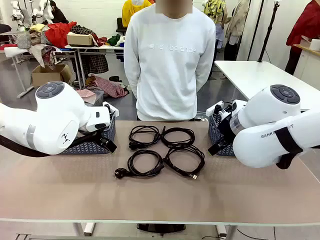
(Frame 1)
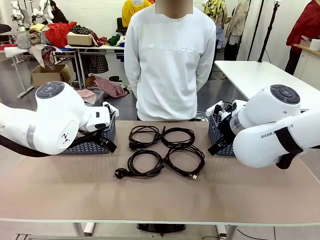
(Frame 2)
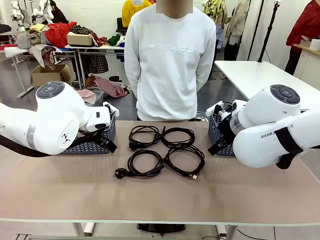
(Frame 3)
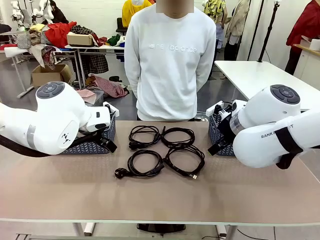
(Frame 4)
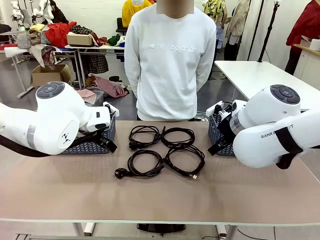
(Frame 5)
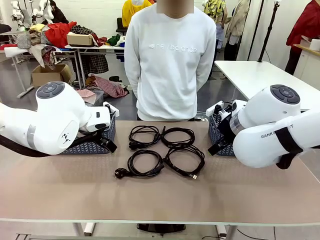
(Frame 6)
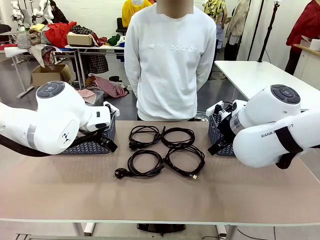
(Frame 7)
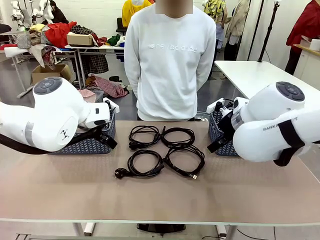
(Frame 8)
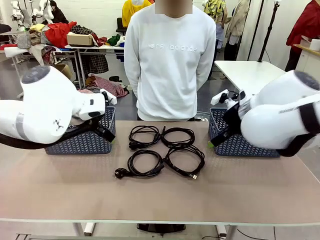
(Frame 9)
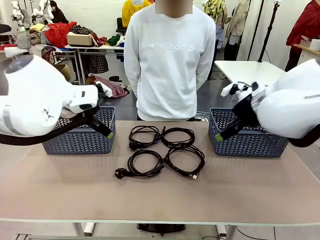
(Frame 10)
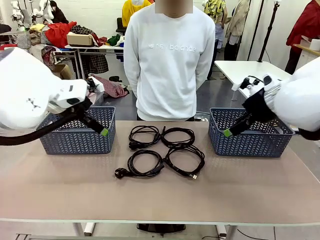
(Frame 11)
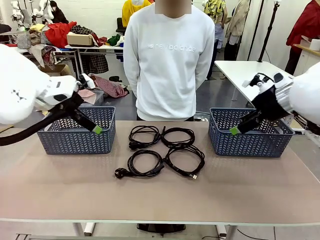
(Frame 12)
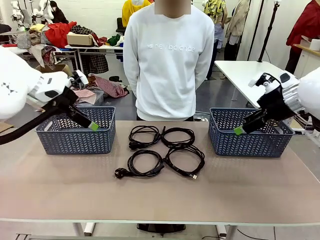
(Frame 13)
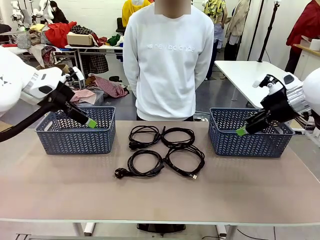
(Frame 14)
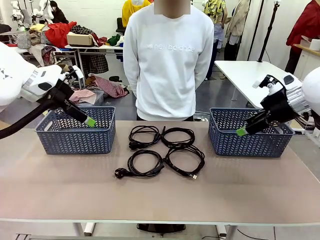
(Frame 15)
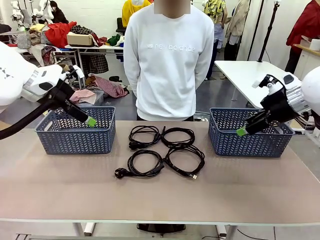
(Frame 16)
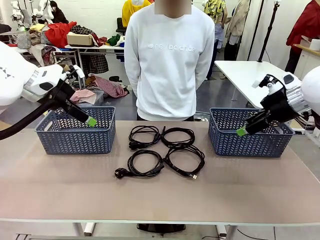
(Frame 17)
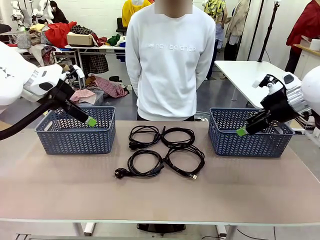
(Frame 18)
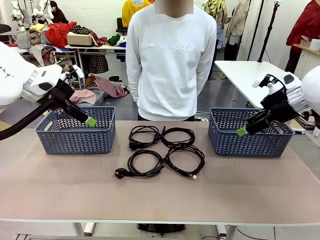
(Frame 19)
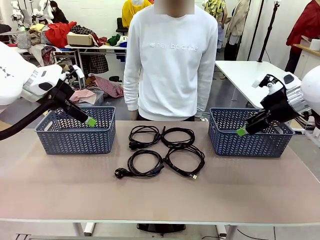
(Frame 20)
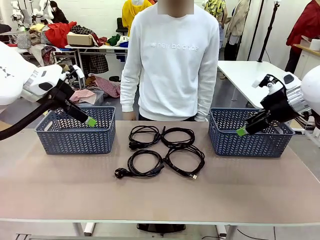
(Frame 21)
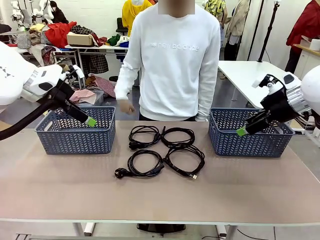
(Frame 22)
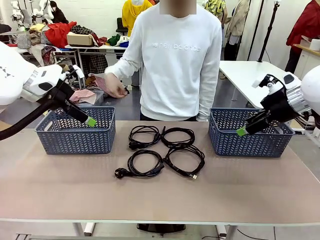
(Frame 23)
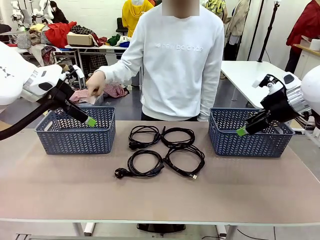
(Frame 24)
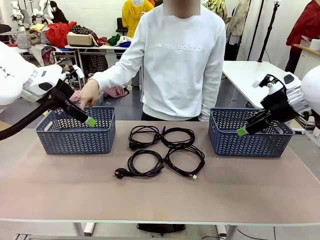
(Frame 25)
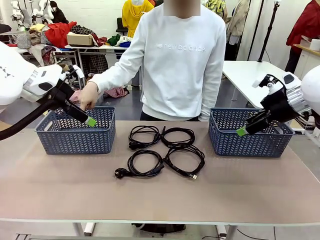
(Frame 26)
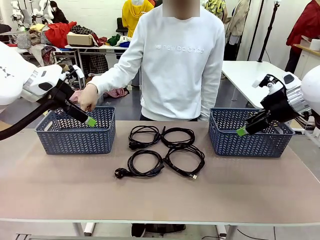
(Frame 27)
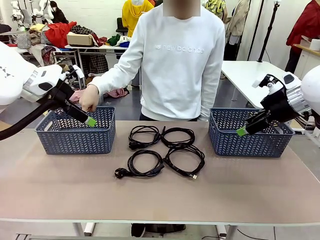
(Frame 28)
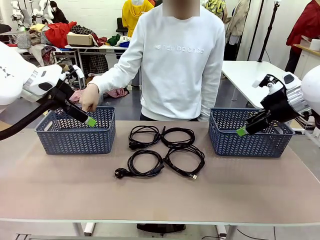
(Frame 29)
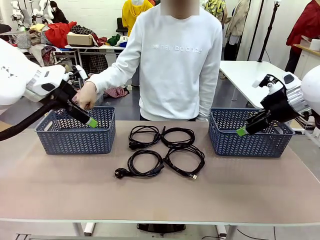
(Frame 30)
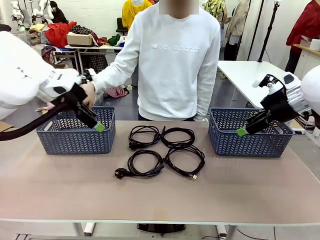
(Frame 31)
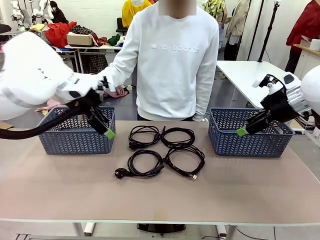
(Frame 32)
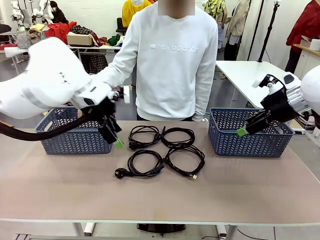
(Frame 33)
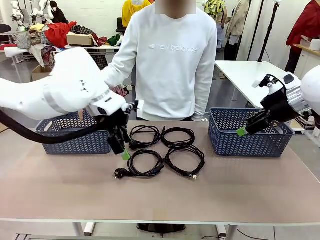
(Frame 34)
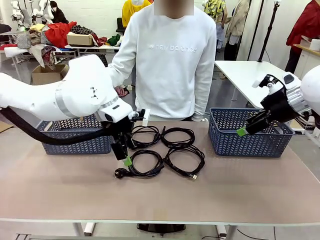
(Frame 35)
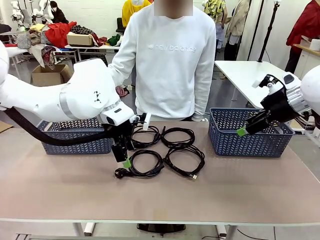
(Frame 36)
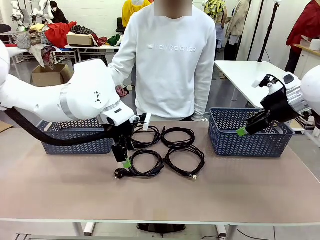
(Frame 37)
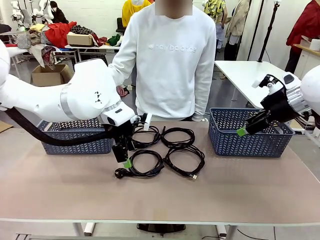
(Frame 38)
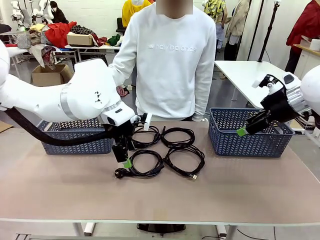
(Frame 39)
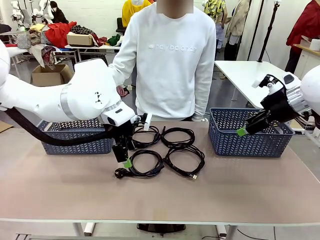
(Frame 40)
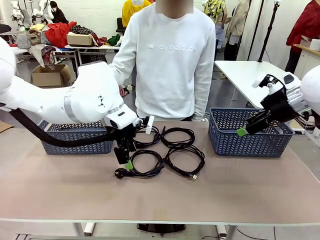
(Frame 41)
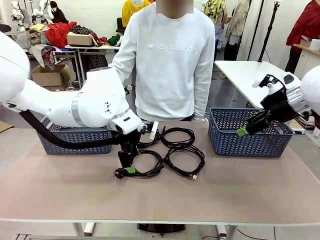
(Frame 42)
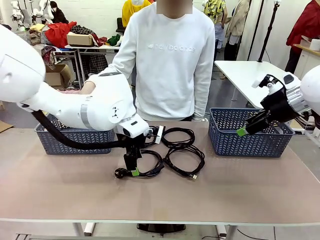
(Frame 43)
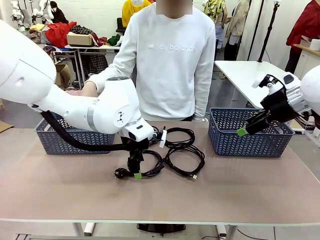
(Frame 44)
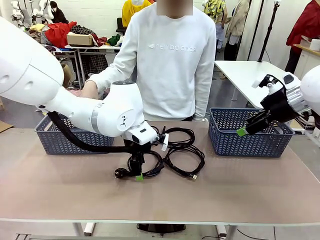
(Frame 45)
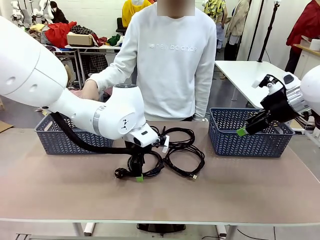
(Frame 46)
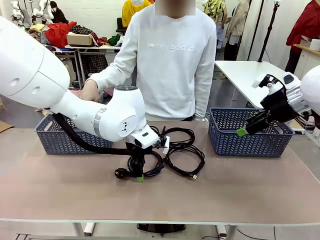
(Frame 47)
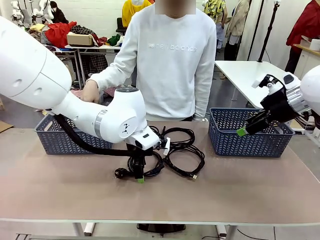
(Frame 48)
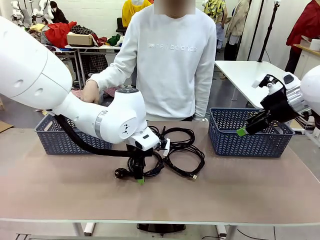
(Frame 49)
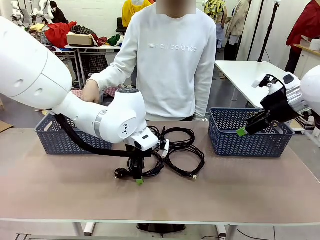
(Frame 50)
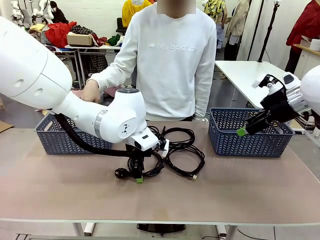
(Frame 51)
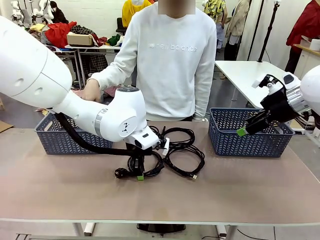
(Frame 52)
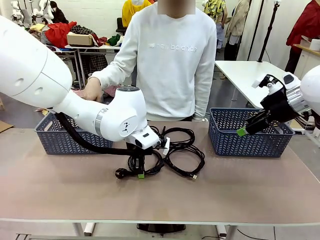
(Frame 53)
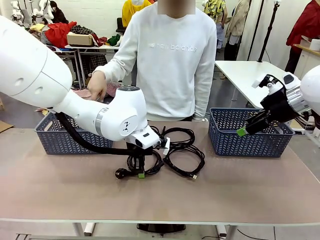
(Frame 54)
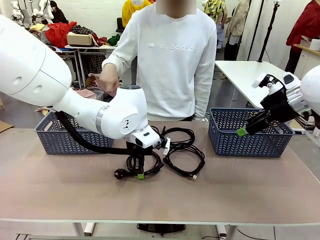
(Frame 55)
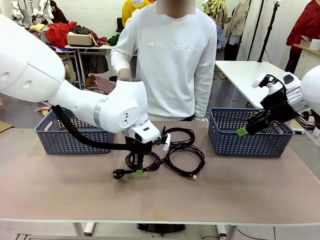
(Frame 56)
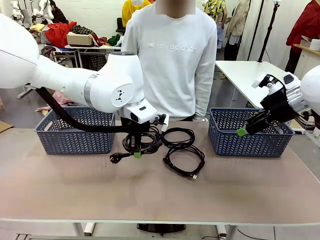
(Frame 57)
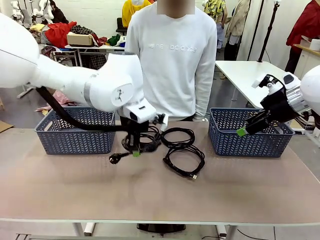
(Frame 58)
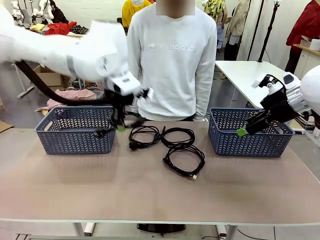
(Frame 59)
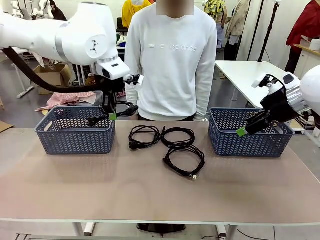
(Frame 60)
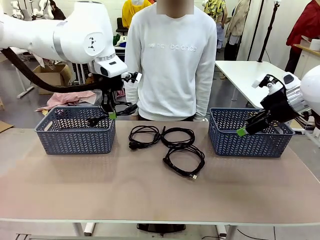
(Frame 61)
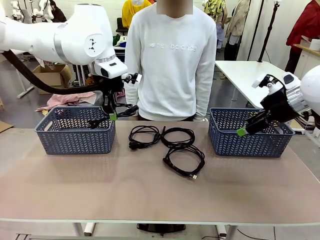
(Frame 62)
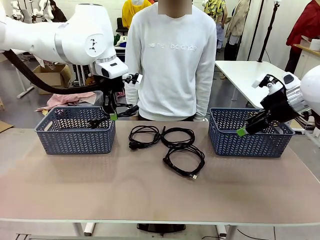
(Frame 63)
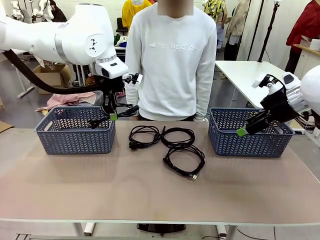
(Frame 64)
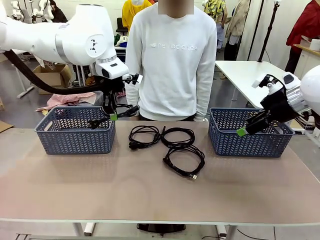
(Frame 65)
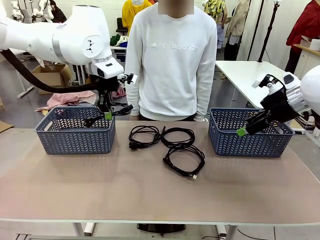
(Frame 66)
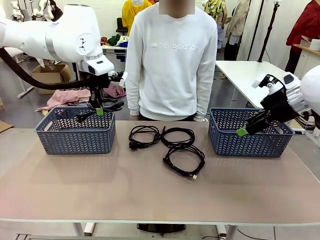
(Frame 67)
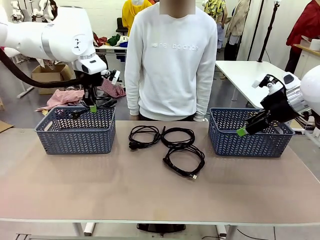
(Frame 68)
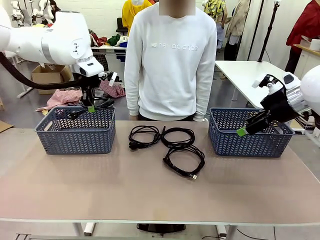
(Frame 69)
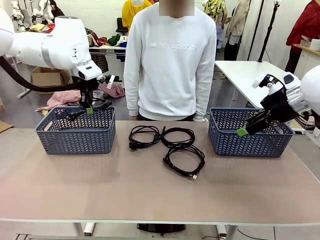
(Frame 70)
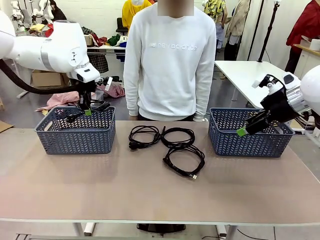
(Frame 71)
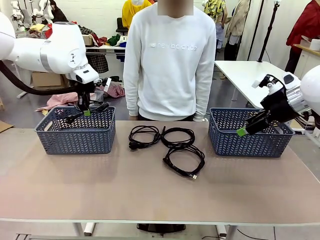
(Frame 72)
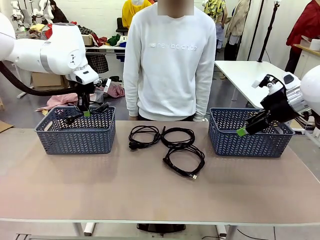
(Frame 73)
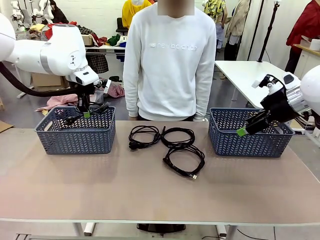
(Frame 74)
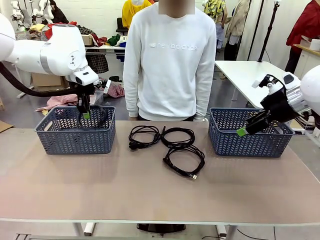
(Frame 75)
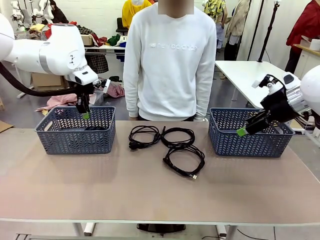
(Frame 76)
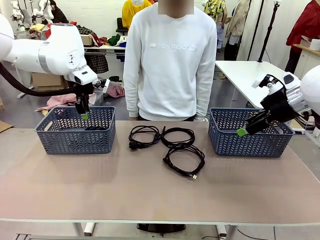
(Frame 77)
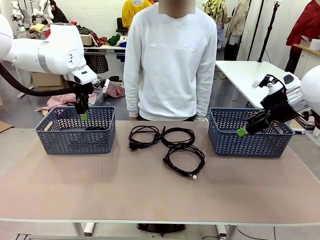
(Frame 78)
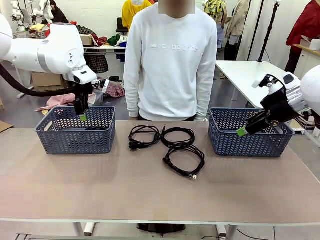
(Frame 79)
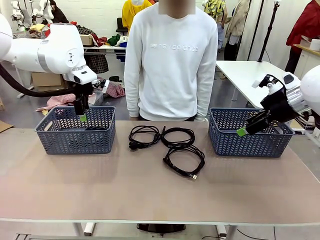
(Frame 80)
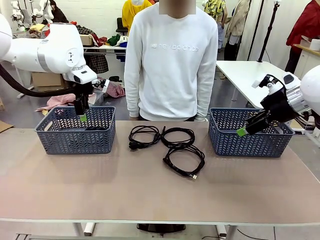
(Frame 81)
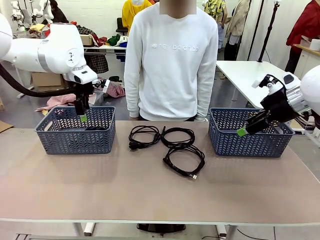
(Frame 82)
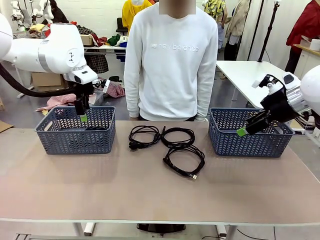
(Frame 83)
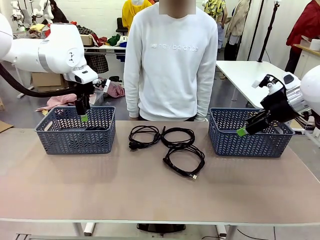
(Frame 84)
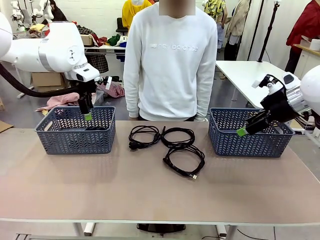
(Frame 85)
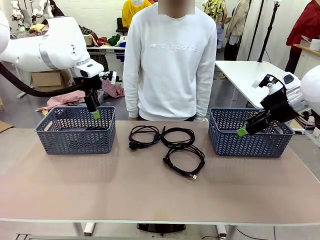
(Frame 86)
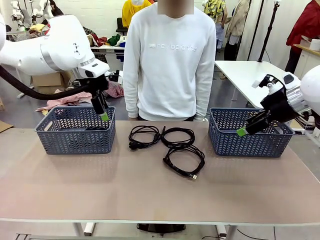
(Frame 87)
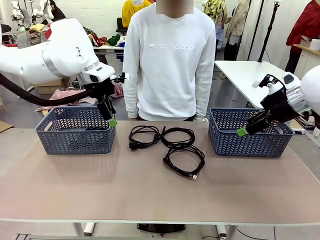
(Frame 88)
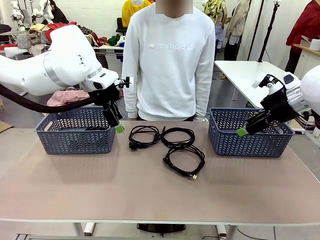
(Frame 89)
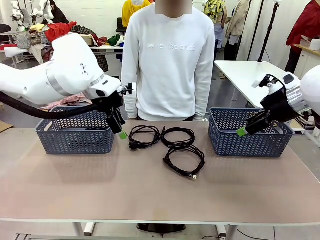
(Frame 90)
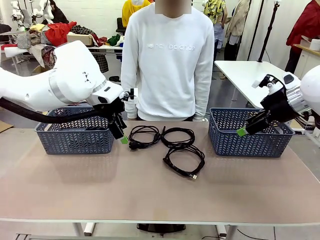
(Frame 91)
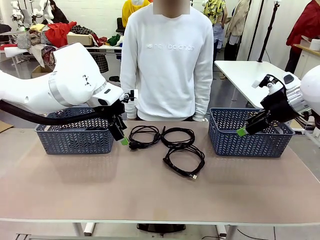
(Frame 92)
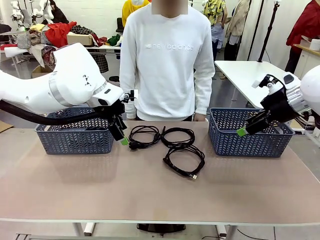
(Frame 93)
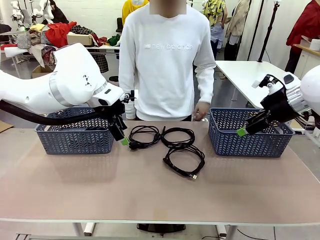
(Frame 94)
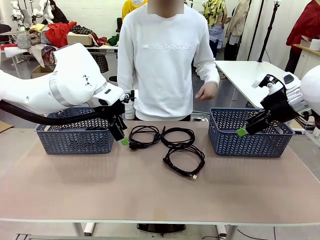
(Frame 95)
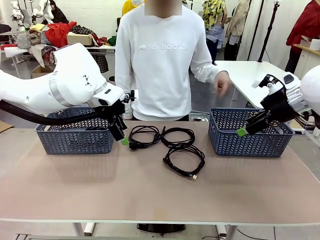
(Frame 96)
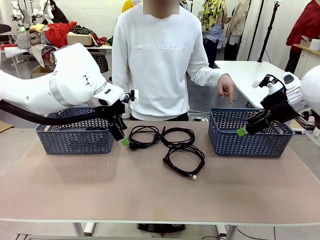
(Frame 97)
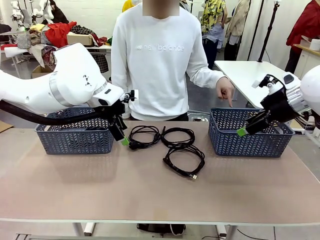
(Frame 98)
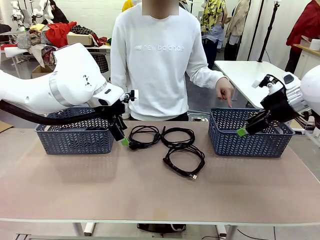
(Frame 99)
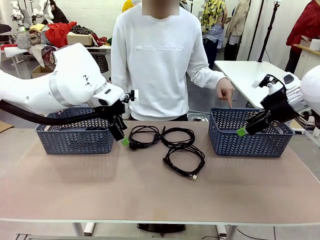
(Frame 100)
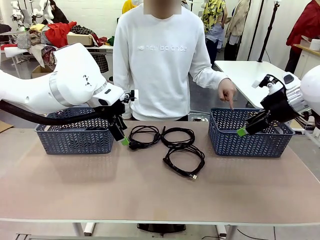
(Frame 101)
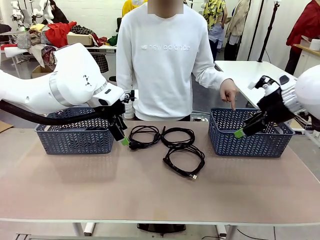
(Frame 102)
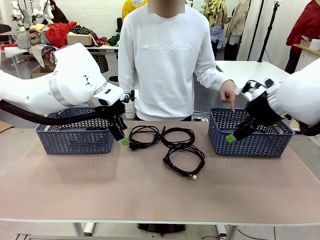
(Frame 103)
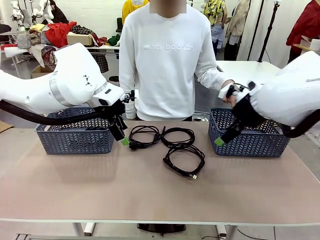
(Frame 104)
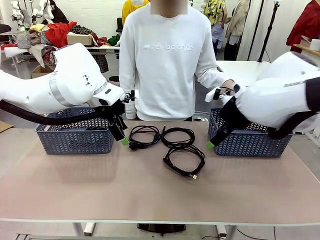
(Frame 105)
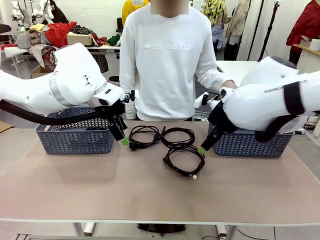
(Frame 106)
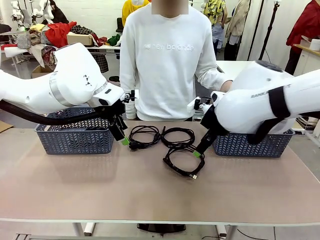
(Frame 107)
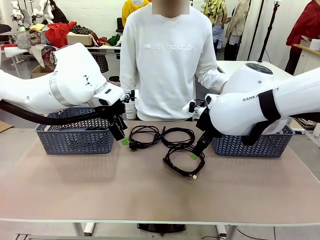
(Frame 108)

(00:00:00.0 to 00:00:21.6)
Task: Organize the cables according to human instructions.
Robot: Pick up a bundle of cables and place it in the basket indicated by the human.
